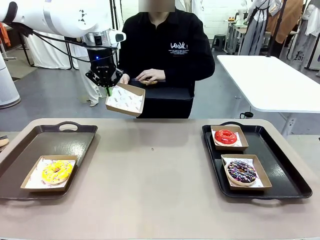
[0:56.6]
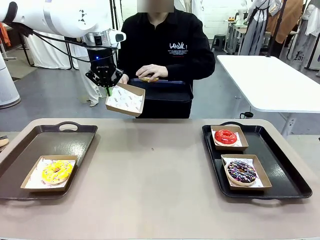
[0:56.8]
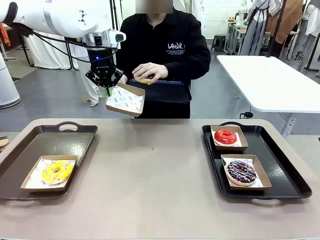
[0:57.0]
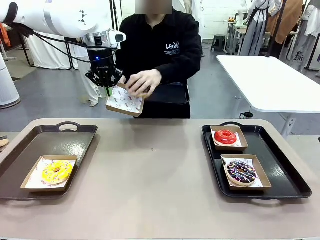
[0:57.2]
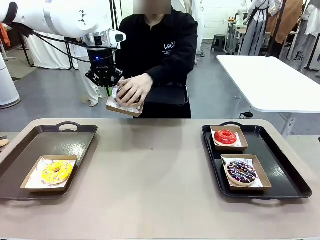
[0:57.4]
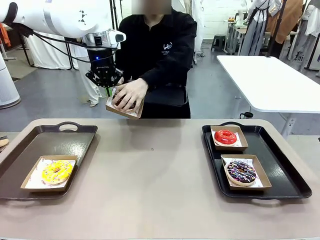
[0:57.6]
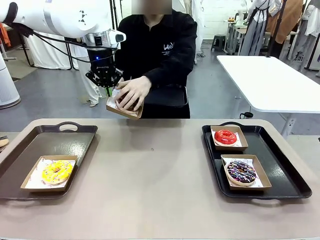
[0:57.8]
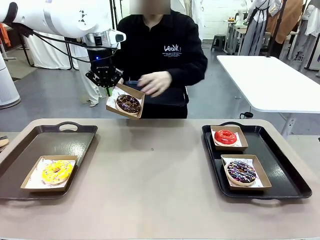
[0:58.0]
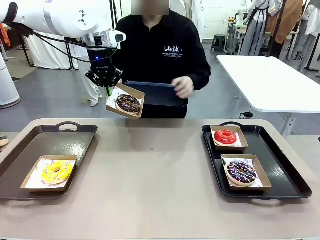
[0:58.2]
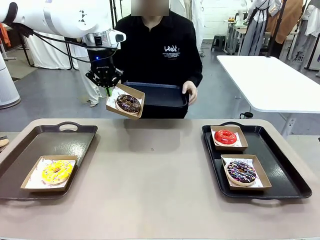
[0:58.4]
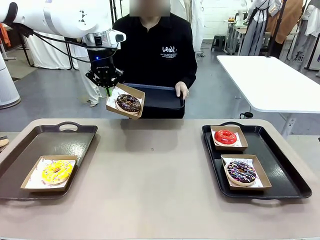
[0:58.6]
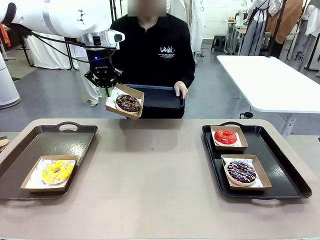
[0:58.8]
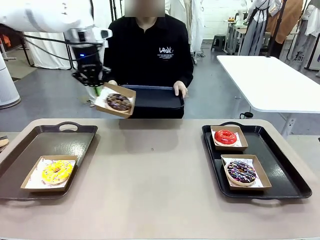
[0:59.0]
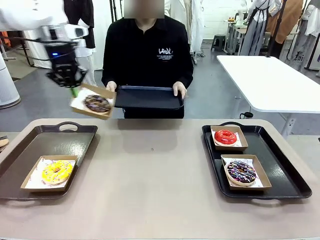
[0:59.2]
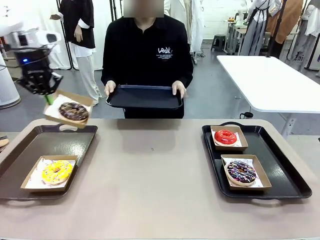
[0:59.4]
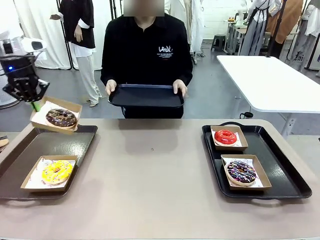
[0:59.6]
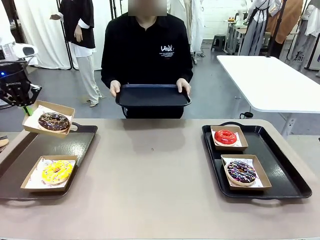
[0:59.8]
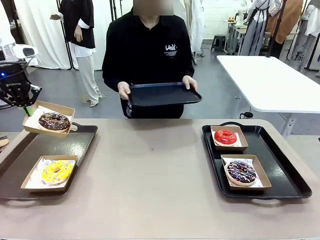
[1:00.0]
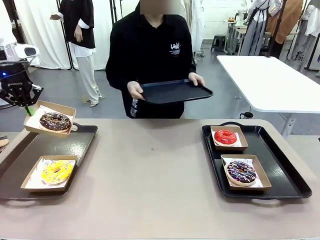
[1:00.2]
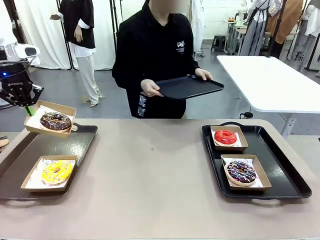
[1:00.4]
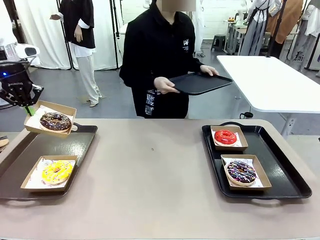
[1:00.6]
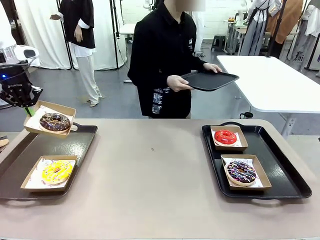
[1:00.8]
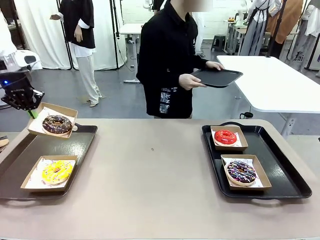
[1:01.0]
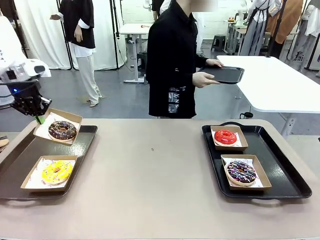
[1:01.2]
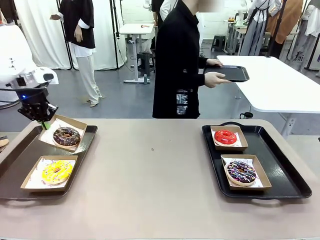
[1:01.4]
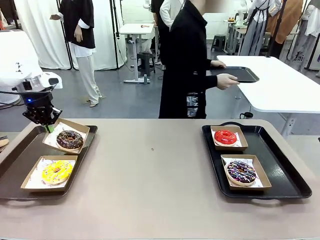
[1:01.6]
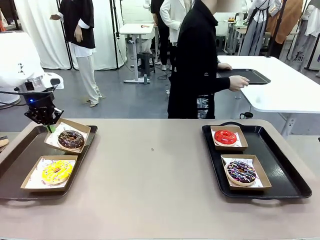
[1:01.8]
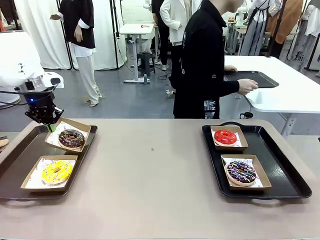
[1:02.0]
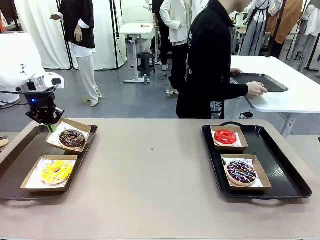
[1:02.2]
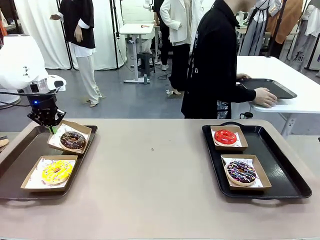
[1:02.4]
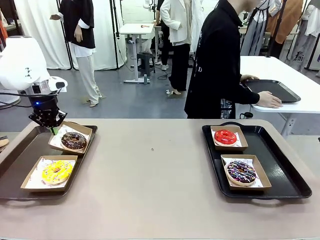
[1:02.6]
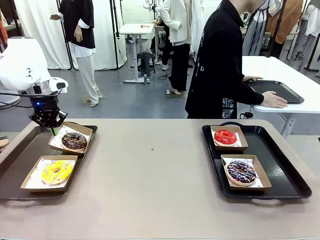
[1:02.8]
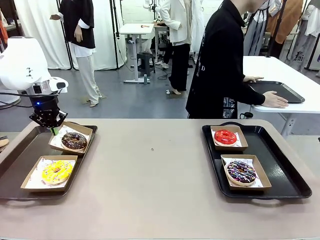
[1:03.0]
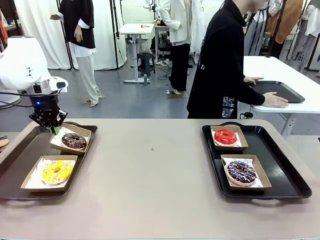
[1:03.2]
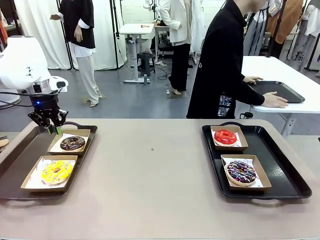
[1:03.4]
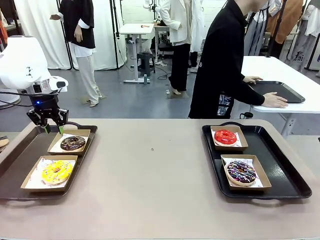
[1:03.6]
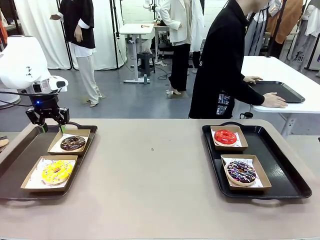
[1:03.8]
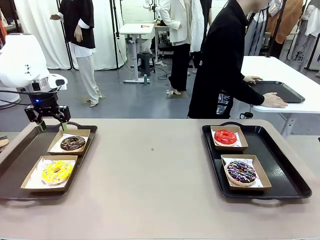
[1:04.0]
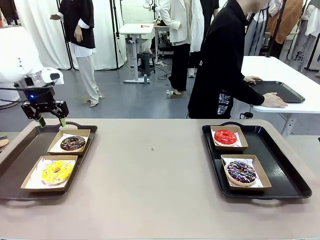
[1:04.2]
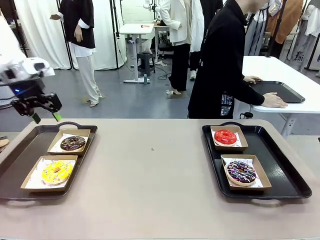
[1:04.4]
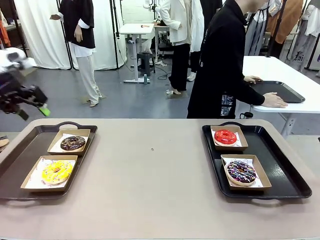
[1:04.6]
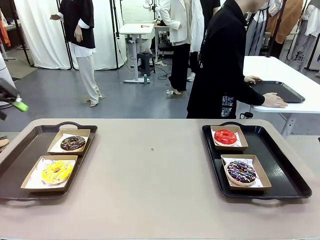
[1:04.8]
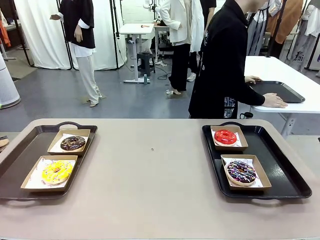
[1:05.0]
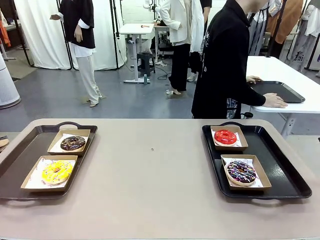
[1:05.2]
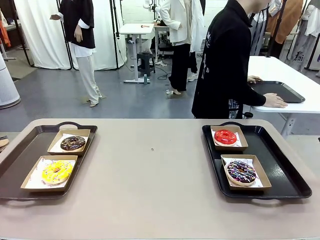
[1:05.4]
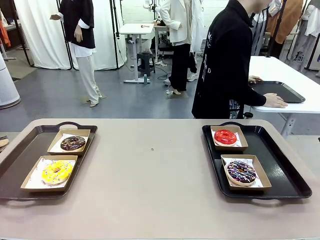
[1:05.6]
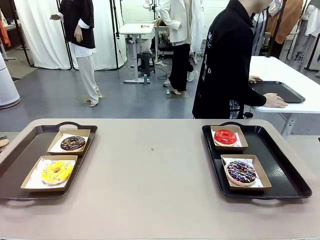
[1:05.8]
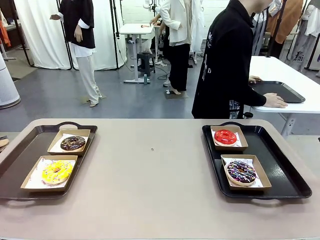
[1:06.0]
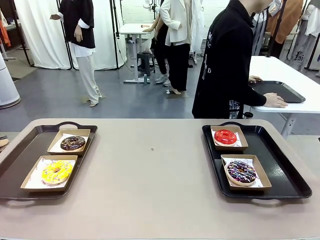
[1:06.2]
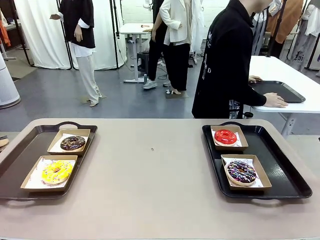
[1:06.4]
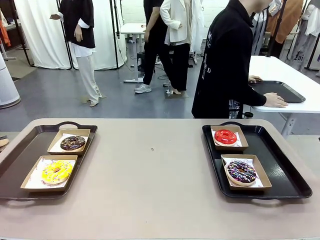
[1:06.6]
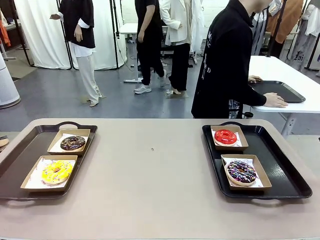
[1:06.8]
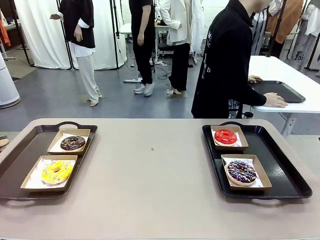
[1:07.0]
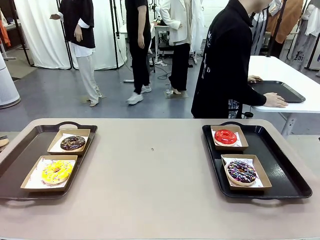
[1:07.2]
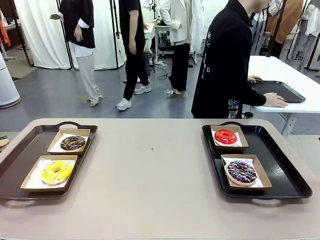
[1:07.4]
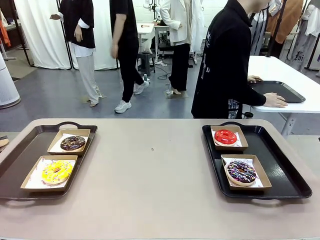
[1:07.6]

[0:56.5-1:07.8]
Task: Individually package the donuts and arrange them on the tray.
Robot: Place the picked Paper togo box on the Handle tray.
Person: Place the tray down in the middle of the human table.

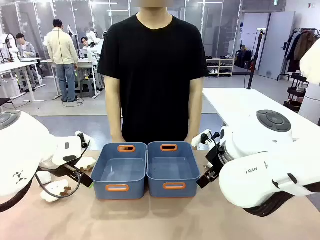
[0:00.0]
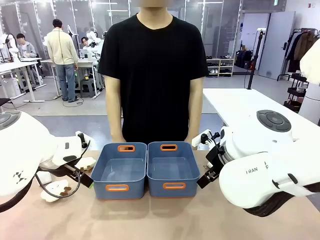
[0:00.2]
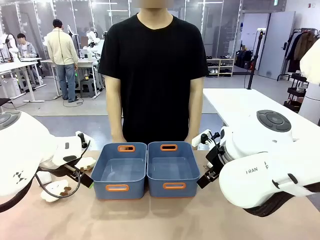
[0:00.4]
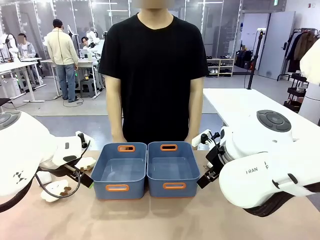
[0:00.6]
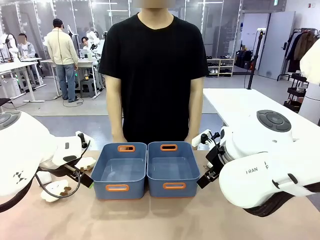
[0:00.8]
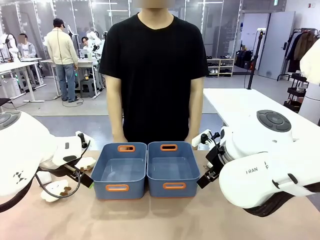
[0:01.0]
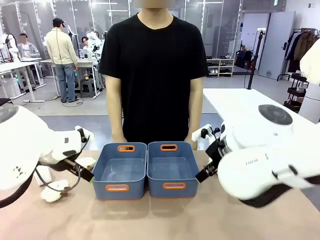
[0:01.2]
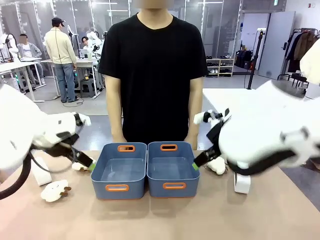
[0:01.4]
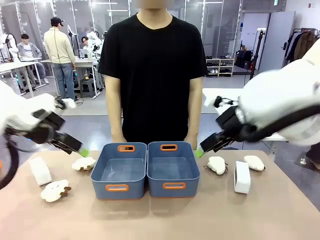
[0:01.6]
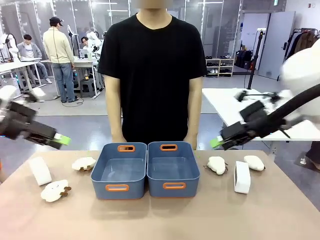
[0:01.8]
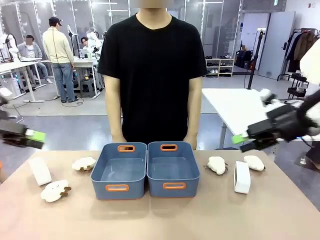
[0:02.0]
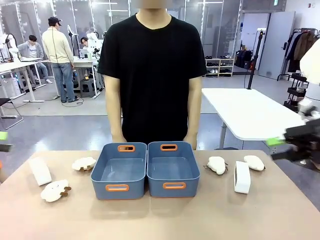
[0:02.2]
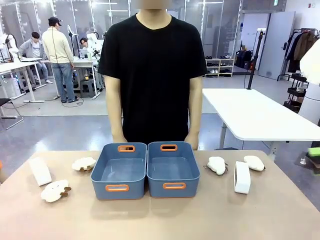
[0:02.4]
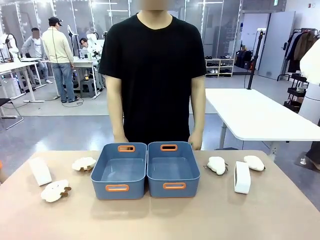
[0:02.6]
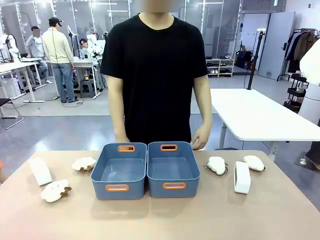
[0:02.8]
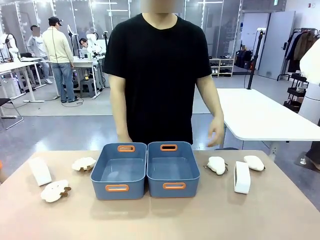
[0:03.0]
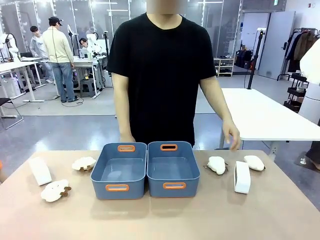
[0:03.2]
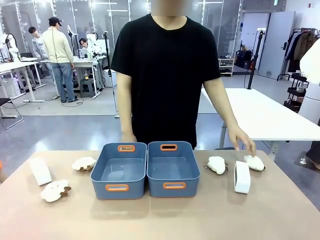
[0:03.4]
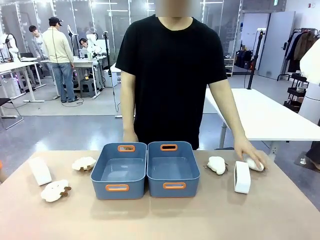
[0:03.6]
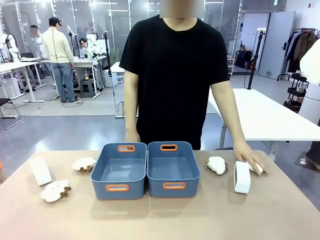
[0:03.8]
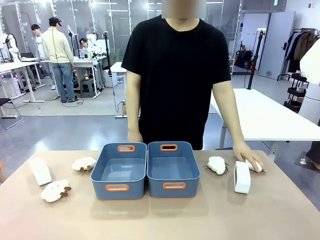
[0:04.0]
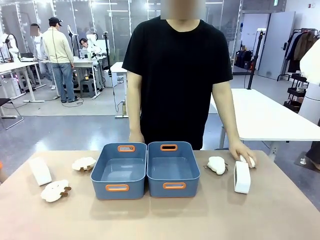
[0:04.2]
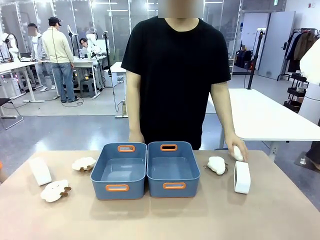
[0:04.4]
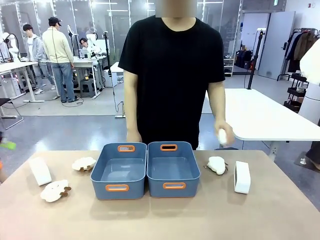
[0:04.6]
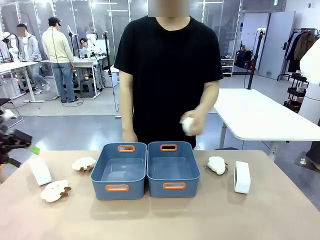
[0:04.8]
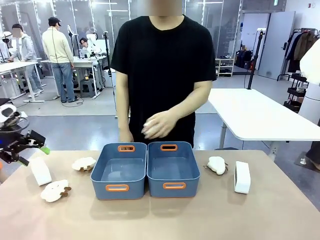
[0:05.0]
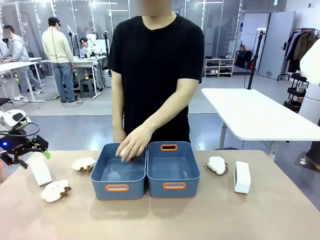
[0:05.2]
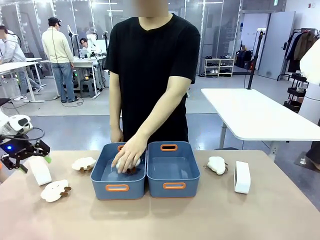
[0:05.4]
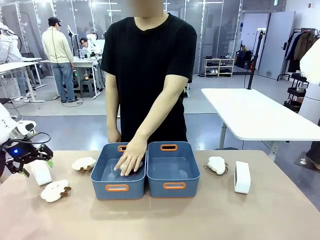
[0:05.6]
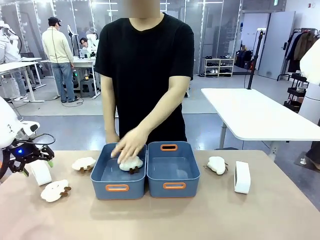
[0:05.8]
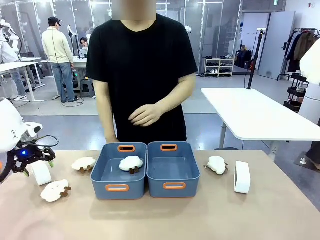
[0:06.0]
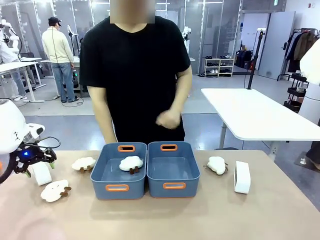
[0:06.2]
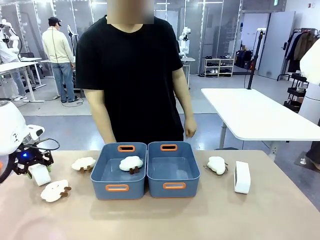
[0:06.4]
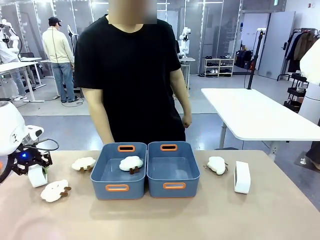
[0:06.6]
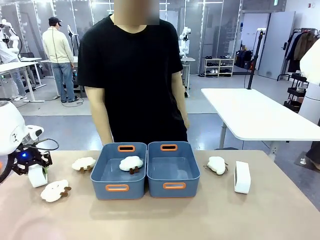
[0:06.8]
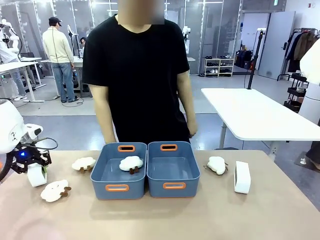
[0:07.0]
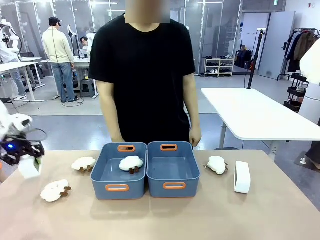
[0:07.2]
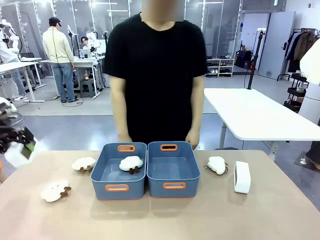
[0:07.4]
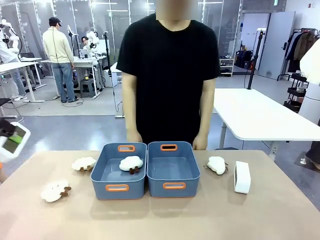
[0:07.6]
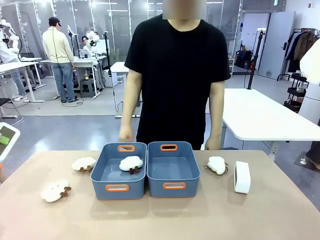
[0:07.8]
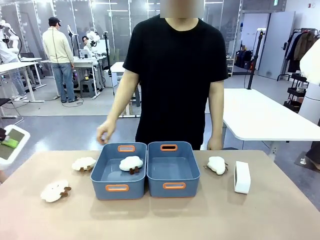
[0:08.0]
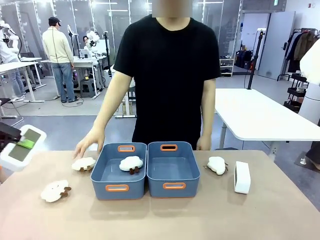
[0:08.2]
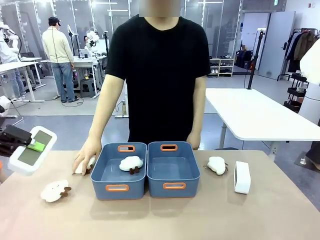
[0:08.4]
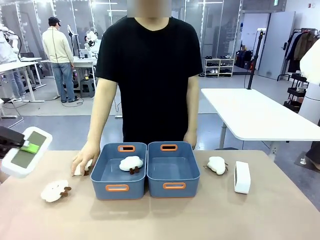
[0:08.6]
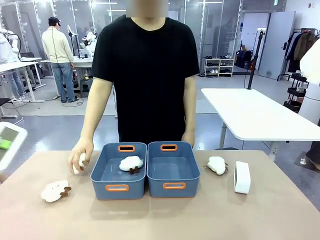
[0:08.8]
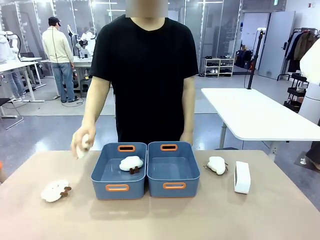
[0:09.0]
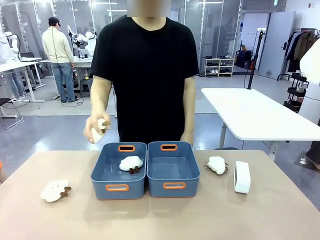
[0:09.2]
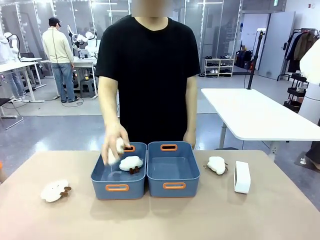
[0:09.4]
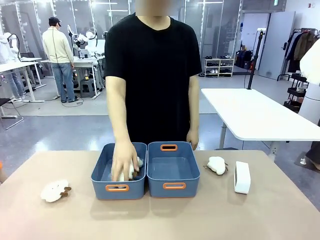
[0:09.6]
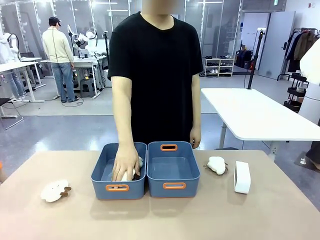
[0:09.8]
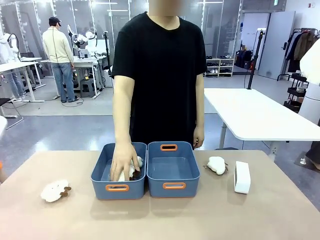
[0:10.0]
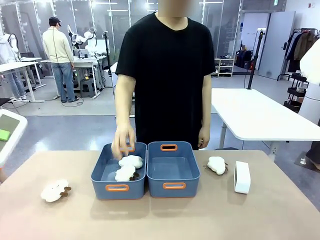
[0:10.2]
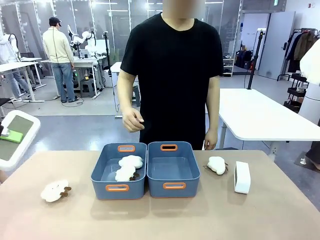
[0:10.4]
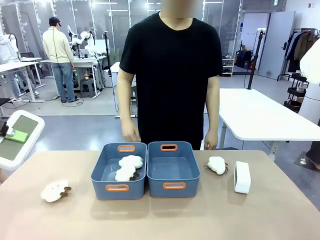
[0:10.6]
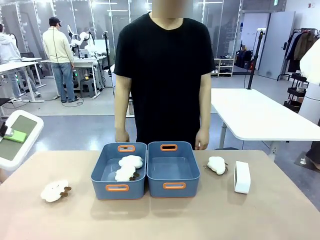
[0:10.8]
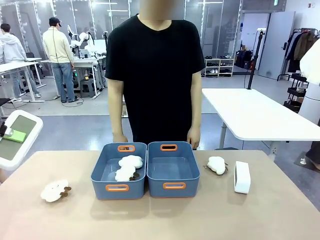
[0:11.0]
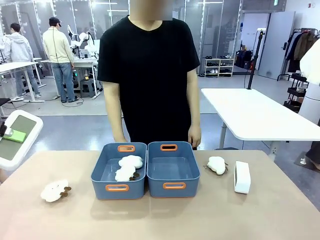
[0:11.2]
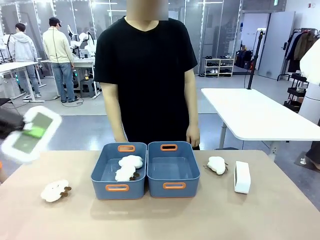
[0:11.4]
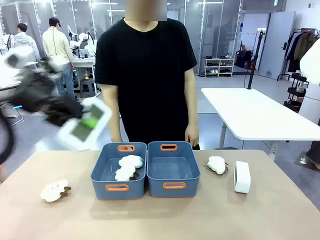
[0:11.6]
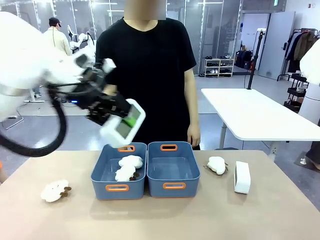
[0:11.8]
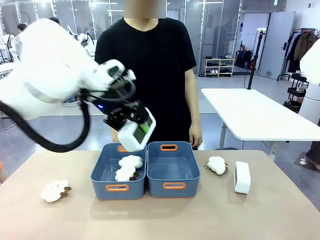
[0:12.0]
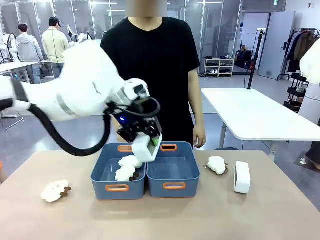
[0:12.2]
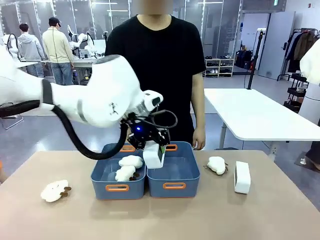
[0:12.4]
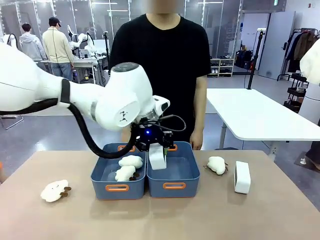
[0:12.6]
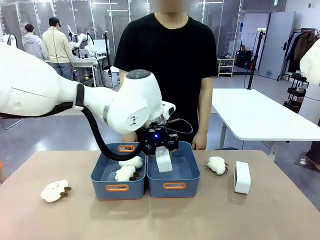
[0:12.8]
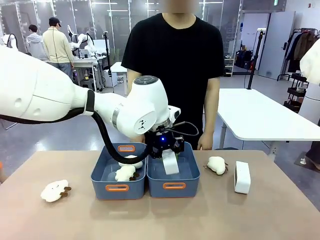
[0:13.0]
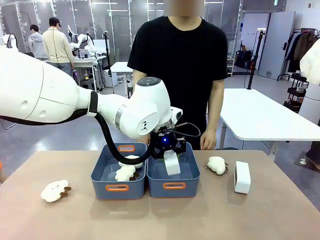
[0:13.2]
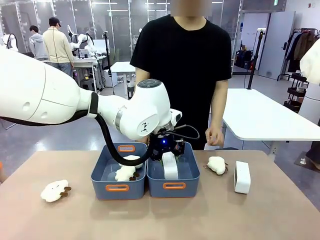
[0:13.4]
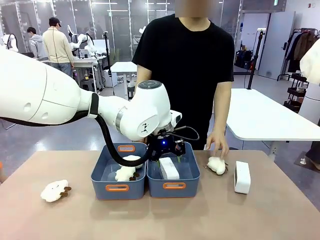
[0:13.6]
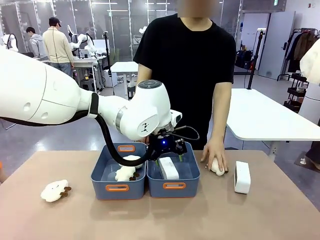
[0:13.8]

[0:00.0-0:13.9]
Task: Sort the digital clocks into the basket.
Robot: Pick up the Digital clock from the table and place it into the empty Plastic storage basket.
Person: Pick up a plush toy from the table and place it in a plastic storage basket.
